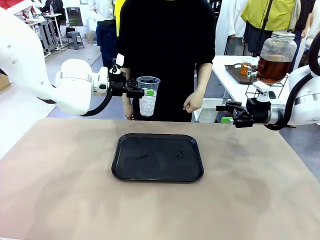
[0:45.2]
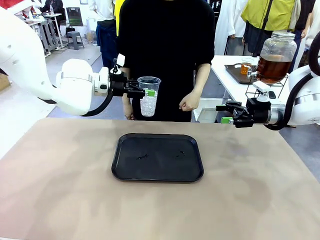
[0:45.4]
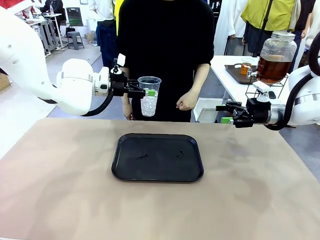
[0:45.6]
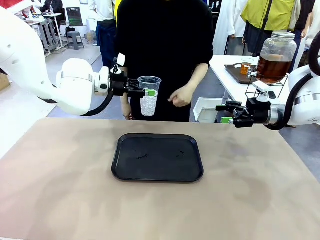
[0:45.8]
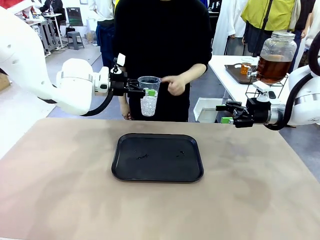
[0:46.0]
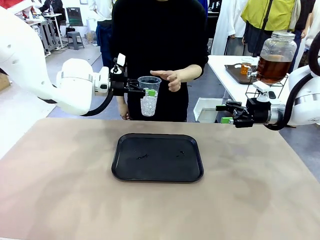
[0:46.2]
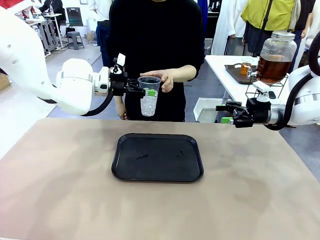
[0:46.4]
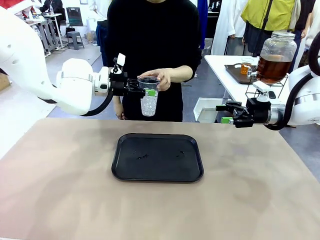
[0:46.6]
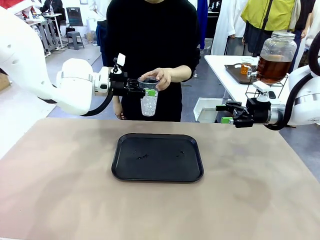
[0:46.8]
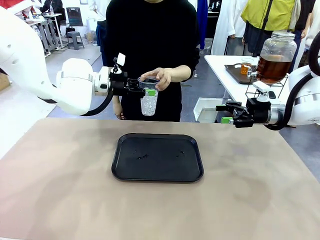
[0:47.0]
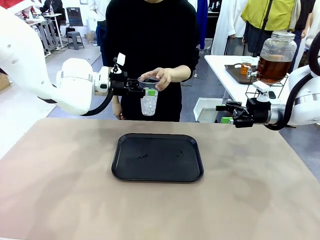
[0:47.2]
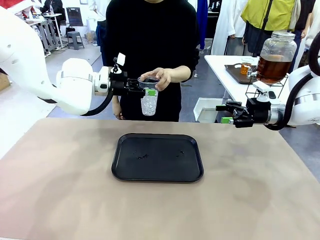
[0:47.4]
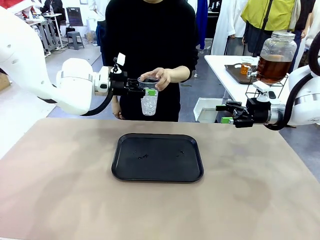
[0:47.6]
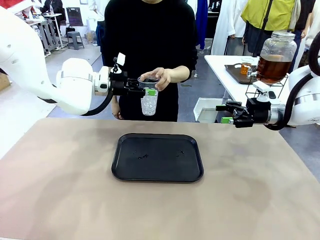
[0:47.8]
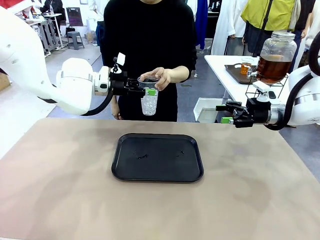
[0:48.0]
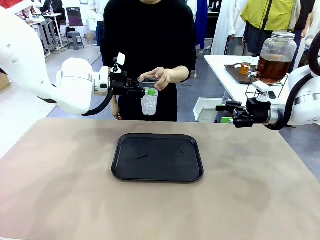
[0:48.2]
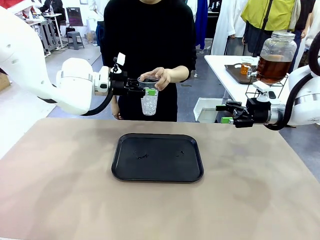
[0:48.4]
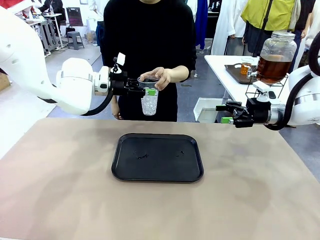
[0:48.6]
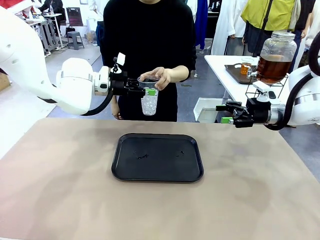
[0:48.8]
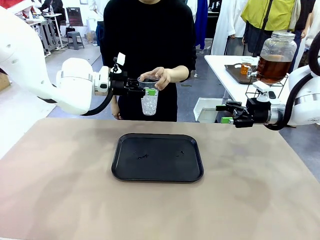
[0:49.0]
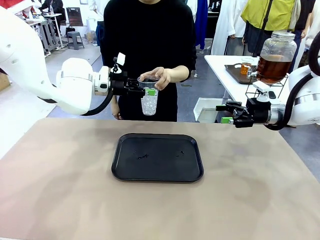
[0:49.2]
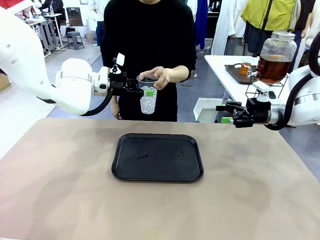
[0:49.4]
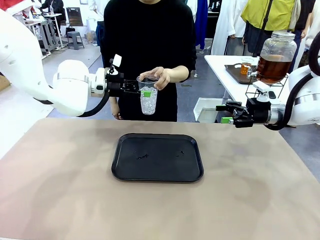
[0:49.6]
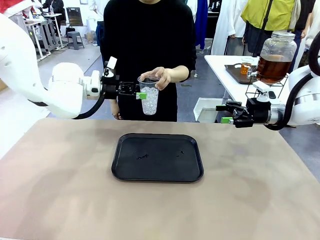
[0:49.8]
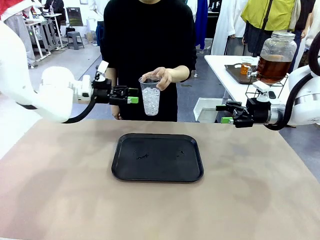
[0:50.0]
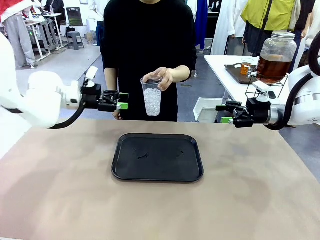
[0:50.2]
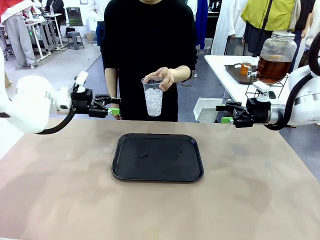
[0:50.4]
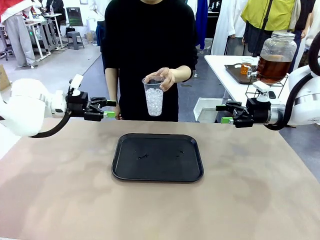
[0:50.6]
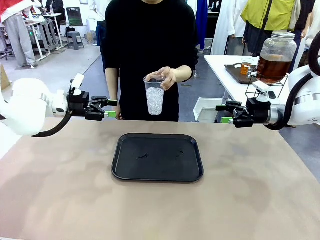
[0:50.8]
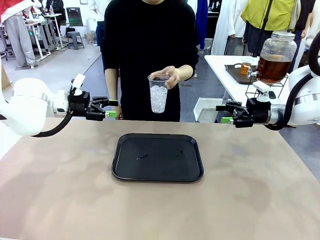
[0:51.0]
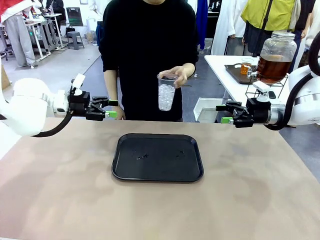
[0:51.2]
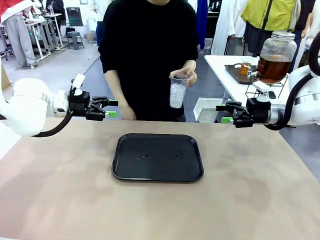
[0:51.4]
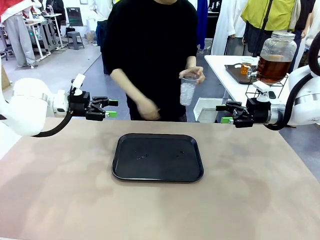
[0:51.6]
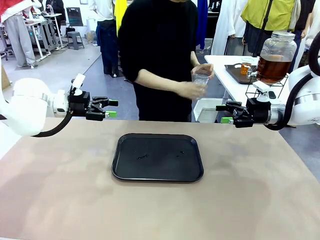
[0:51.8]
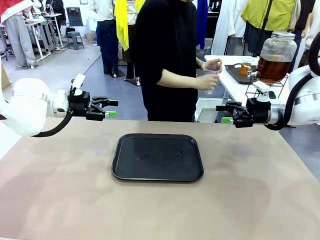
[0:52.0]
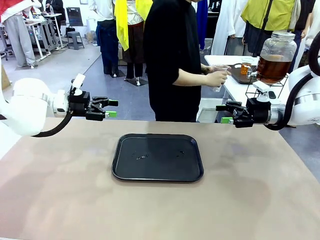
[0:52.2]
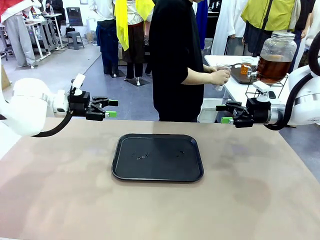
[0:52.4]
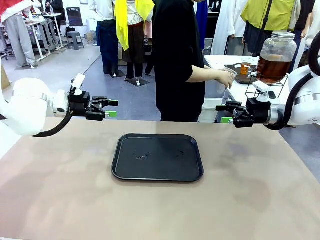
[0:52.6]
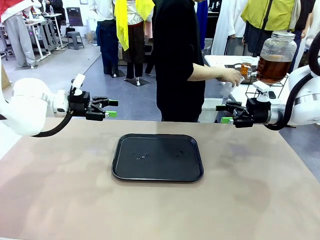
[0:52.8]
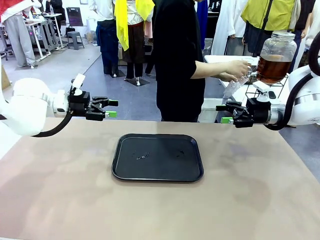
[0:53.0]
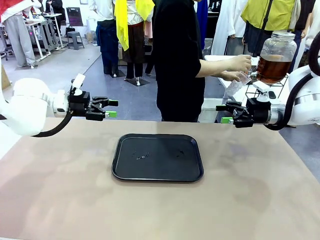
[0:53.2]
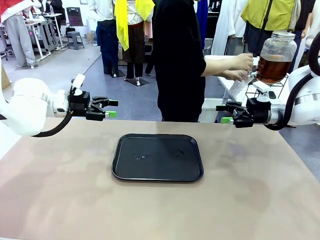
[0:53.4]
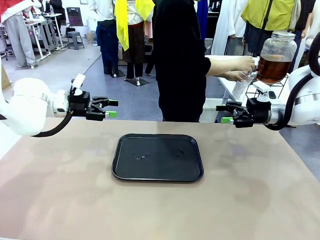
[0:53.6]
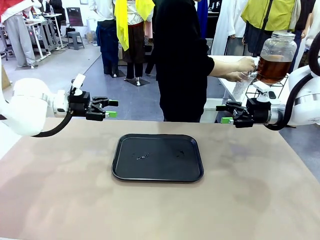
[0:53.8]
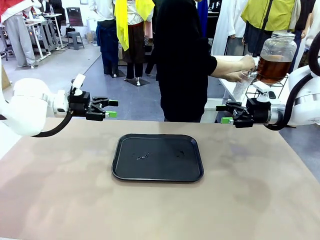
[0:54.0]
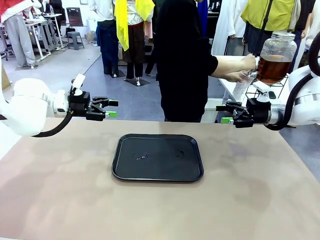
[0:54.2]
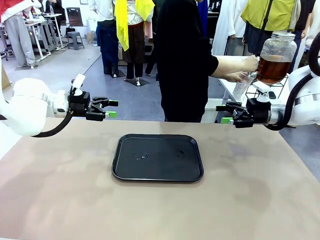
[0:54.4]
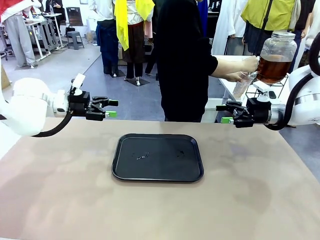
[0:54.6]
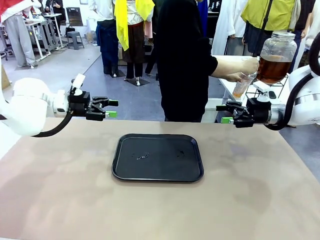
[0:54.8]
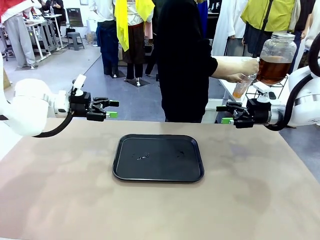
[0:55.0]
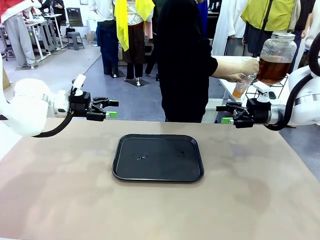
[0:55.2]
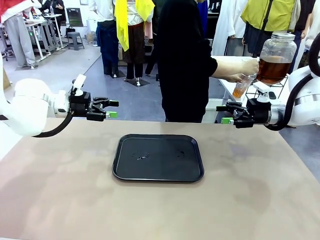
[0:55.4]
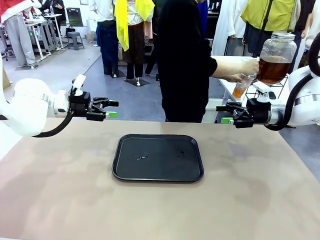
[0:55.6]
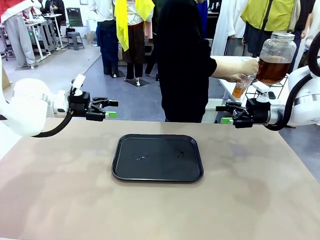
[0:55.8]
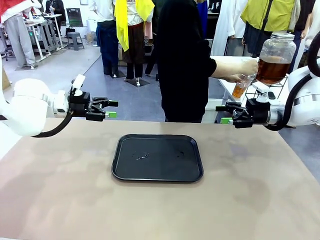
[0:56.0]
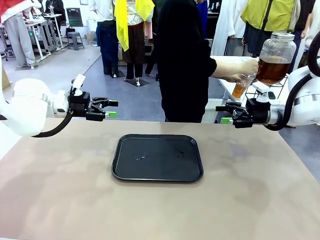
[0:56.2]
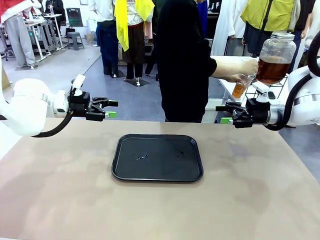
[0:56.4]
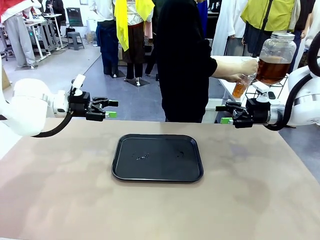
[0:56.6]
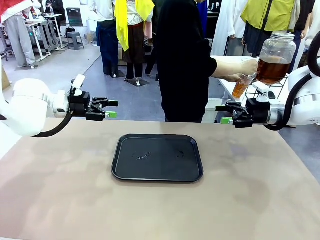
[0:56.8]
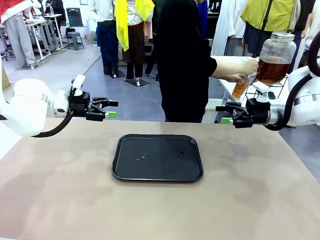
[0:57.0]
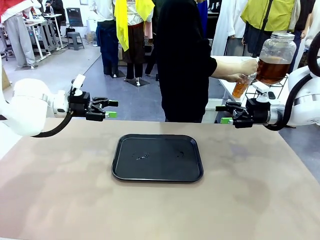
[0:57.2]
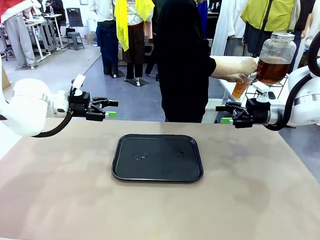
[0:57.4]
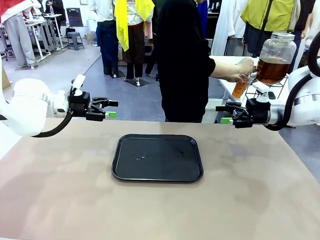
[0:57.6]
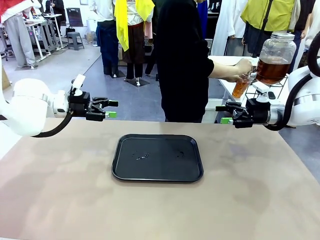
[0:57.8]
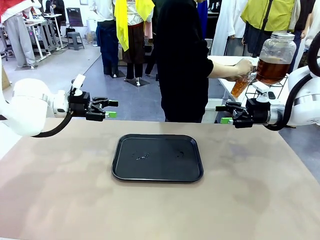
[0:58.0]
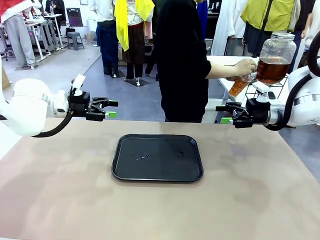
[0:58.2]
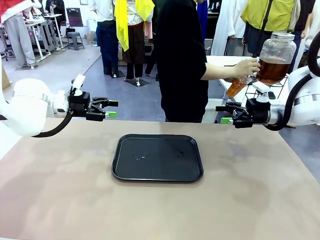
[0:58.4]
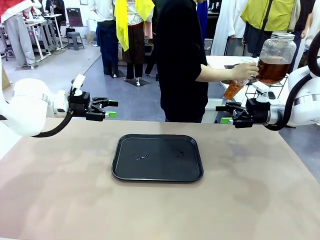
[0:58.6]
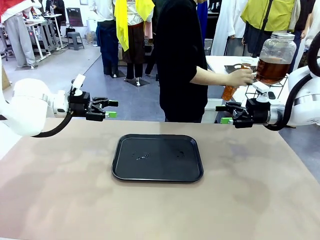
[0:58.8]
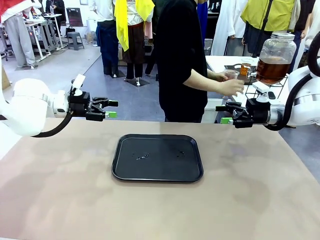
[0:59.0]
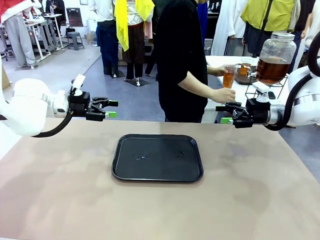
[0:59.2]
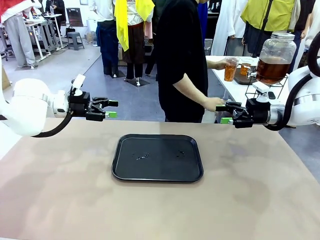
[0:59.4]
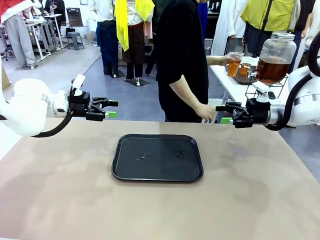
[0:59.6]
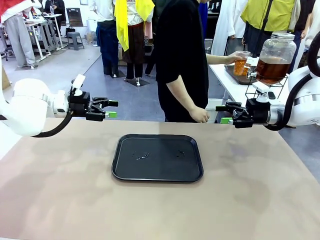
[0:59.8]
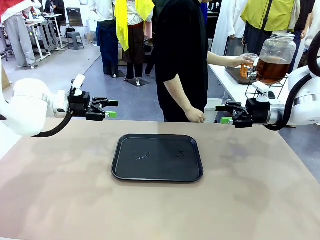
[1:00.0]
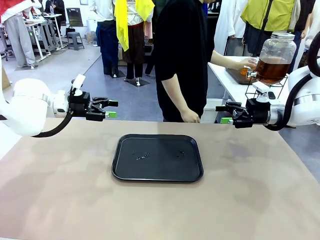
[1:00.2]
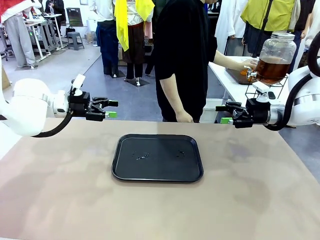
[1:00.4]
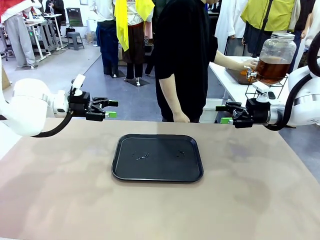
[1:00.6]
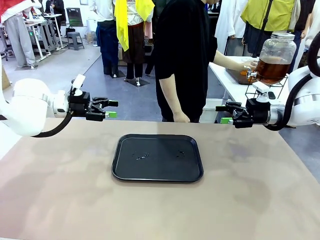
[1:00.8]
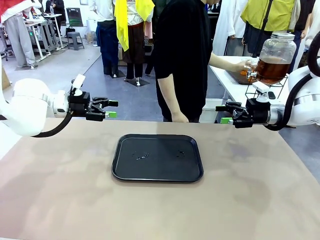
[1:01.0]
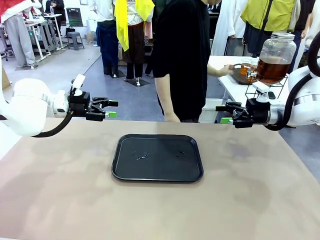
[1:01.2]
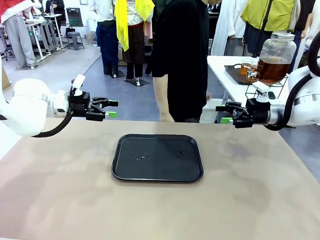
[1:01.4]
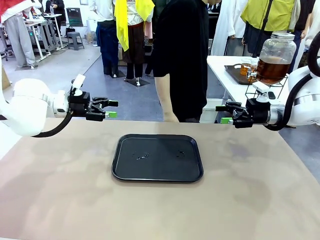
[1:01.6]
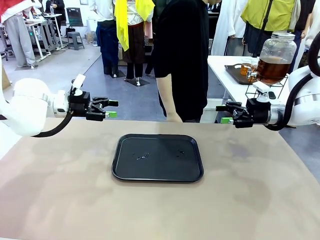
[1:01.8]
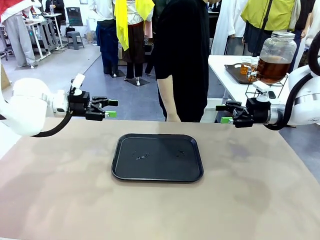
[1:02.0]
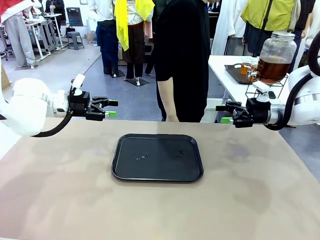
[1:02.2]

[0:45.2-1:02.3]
Task: Pour the drink into the iced cup.
Robot: Open the gripper to release the iced cup you were holding.
Person: Move the picked-up cup under the dispenser faucet, pour the drink, and place it on the tray on the human table.
